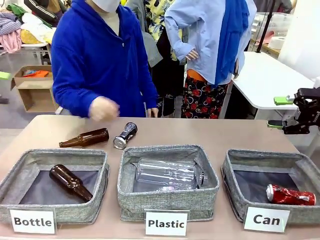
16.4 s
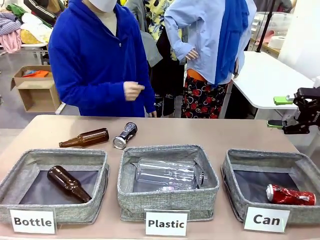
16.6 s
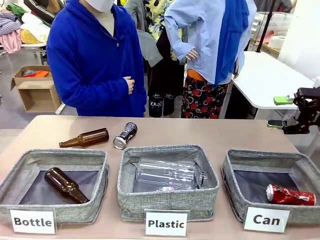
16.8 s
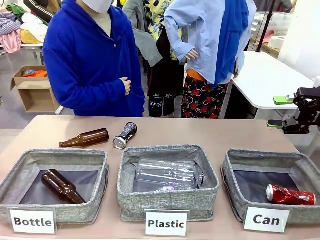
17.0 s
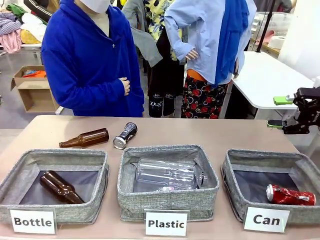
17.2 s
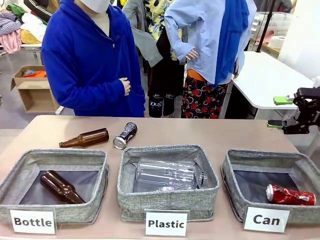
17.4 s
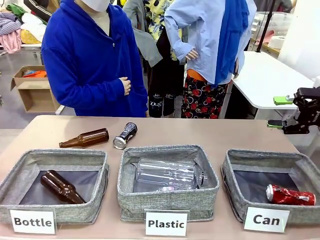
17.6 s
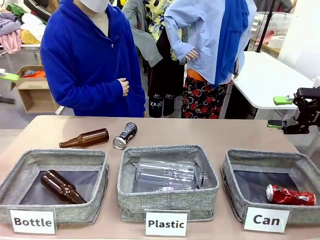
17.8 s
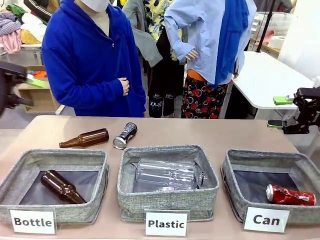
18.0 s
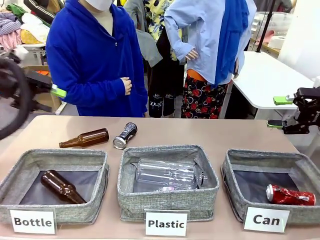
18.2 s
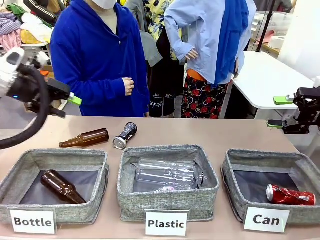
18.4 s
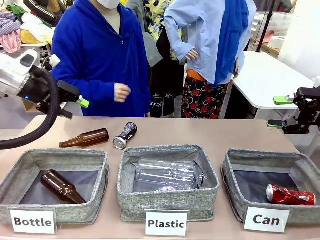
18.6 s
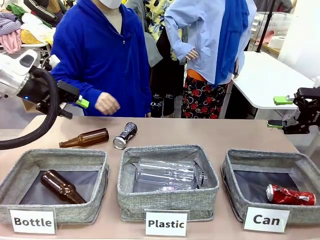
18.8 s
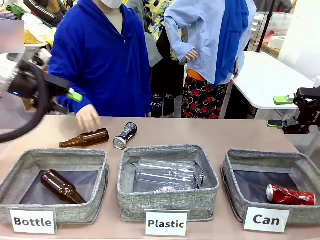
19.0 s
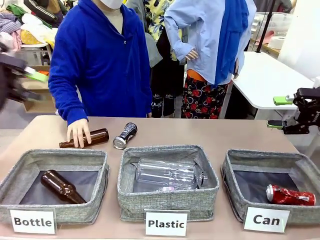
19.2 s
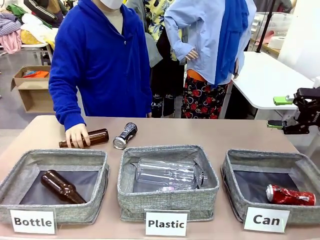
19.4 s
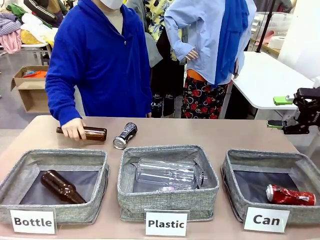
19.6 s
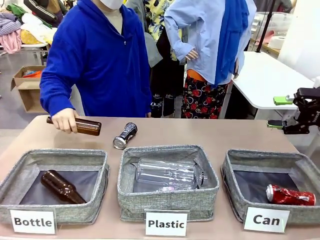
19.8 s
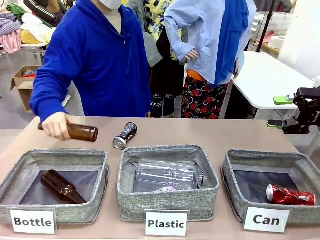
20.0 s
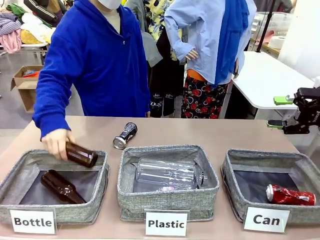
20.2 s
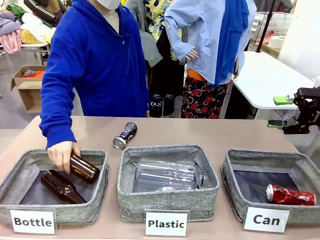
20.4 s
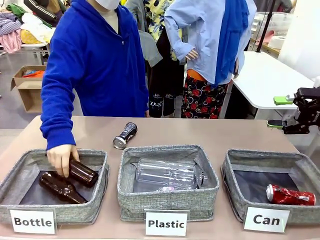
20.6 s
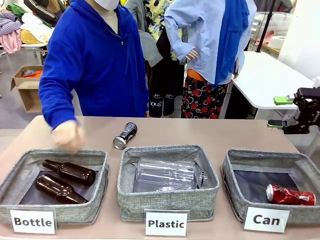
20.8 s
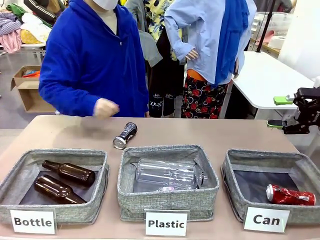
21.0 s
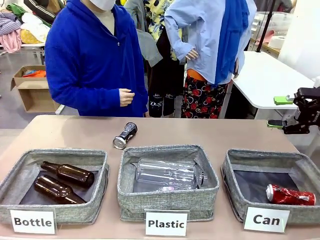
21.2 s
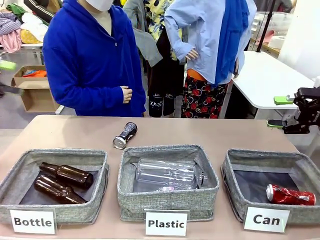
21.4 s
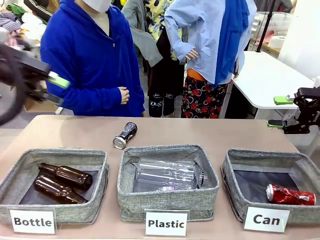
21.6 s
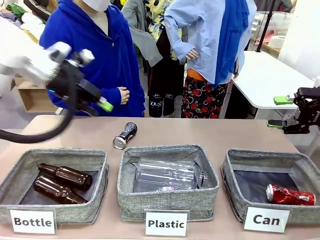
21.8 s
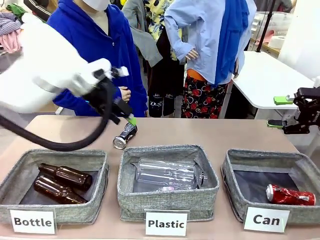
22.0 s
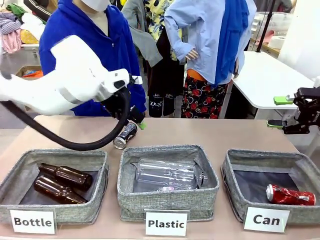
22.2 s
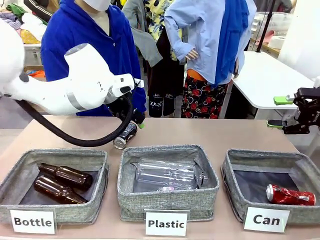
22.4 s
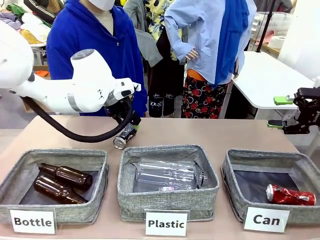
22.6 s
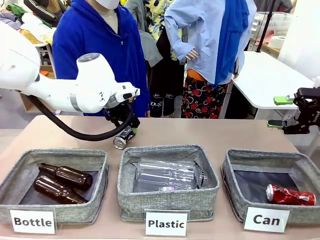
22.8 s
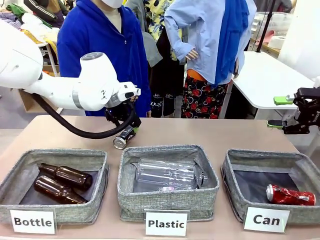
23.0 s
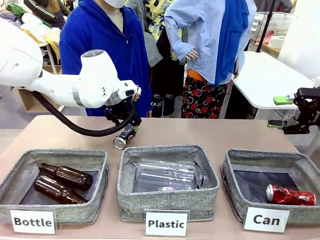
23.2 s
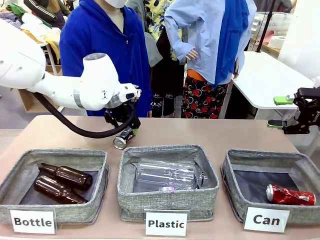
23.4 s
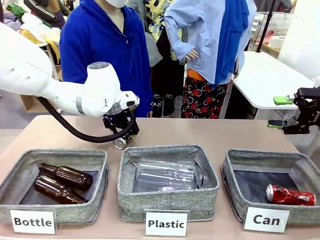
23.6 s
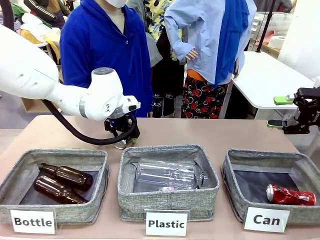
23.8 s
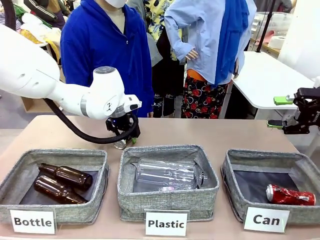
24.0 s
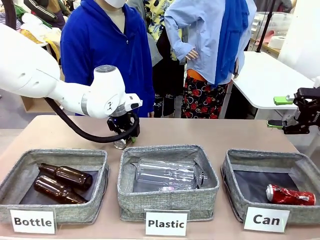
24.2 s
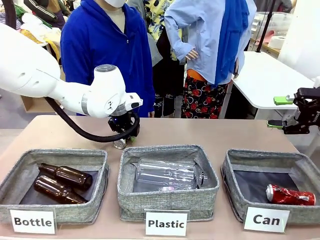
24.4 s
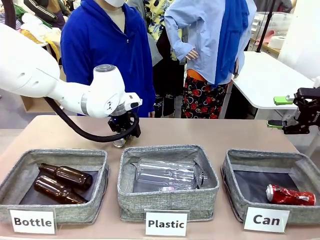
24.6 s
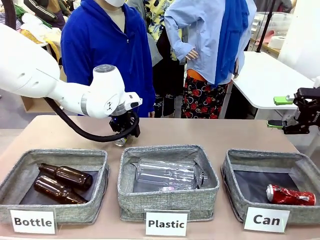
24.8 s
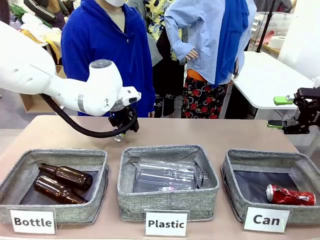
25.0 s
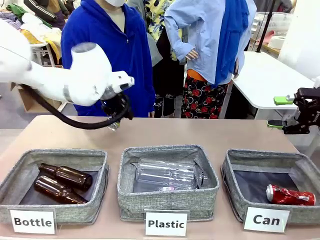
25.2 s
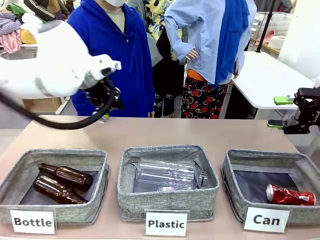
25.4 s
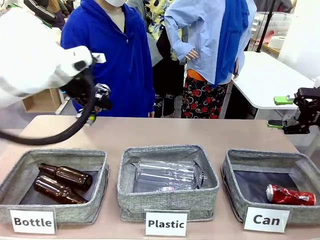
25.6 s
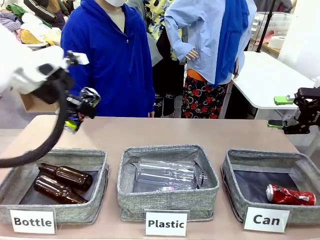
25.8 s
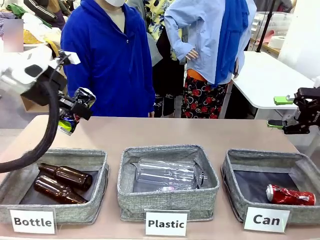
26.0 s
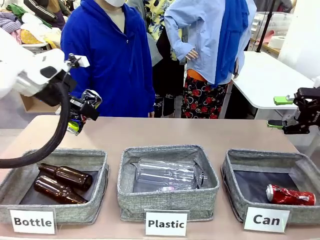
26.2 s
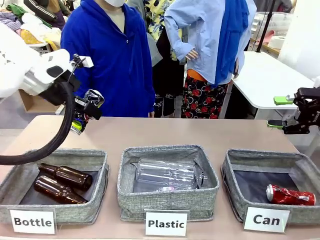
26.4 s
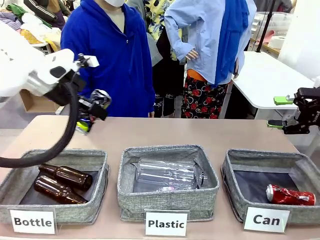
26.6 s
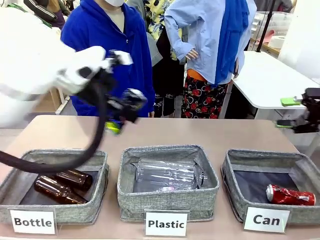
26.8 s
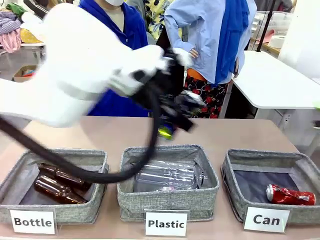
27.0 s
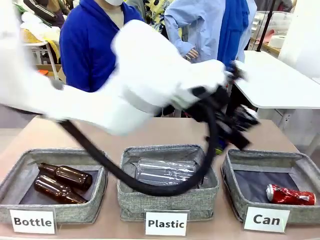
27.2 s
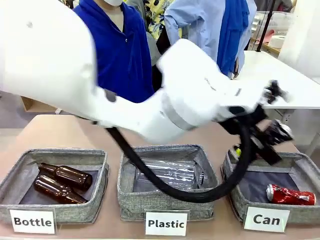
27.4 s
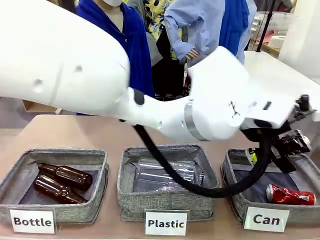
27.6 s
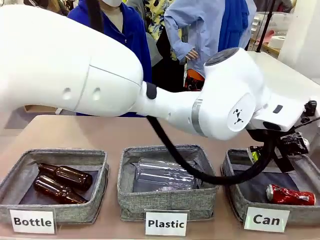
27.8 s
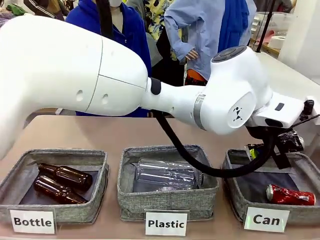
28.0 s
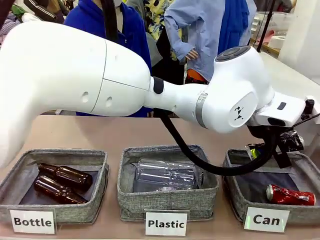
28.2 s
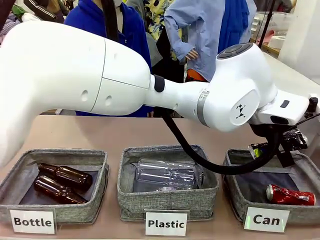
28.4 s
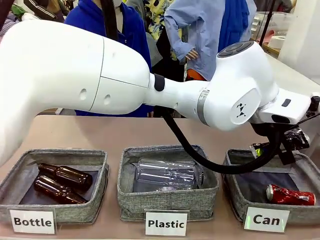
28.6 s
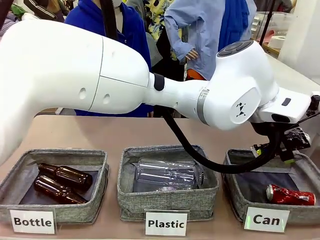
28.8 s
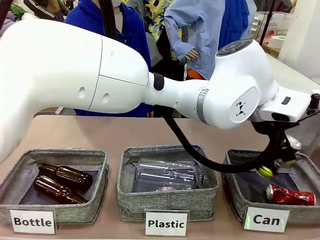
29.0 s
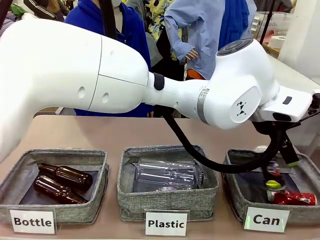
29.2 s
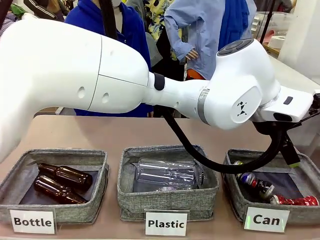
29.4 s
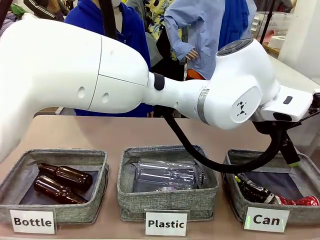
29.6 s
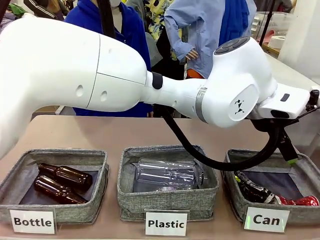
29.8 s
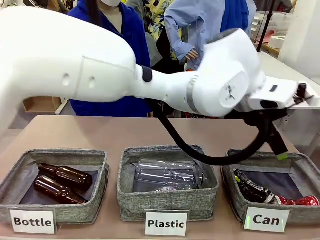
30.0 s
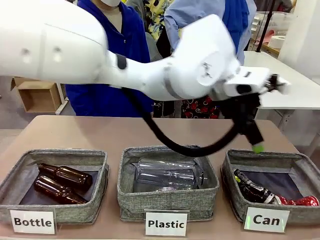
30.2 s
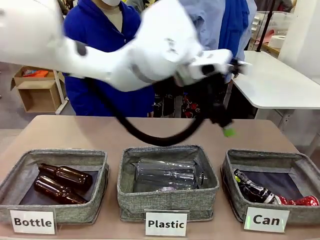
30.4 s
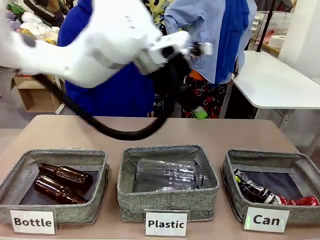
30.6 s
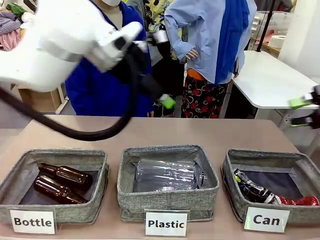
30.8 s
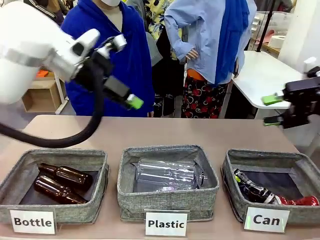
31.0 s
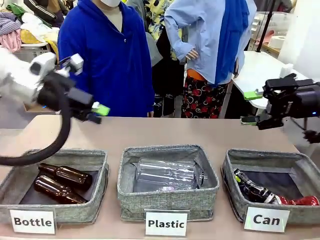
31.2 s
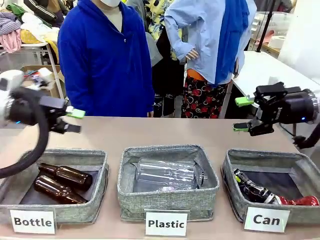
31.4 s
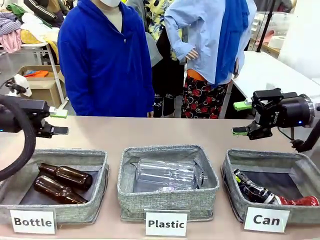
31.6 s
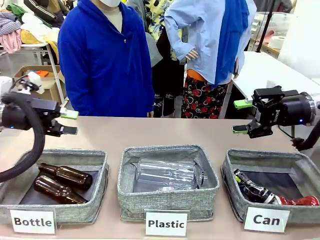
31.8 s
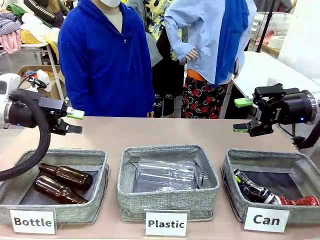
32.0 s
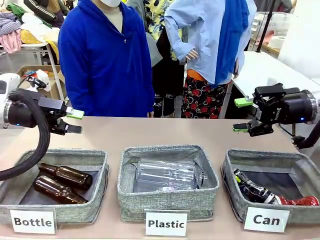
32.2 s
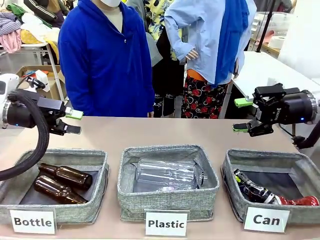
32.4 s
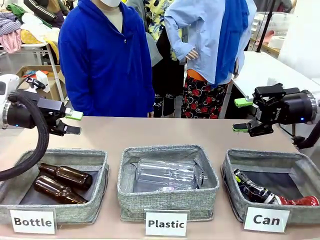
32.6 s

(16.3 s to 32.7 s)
Task: Sort the can waste into the basket.
Robot: Pick up the can waste from the table and place it in the right Fabric basket.
Person: The human picks up one piece of trash that is not a can and places the trash into the appropriate organizing basket.

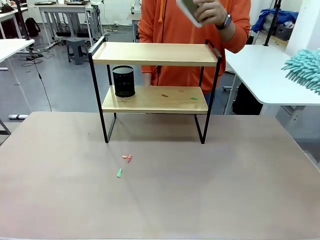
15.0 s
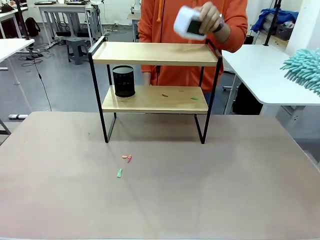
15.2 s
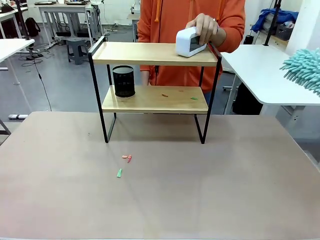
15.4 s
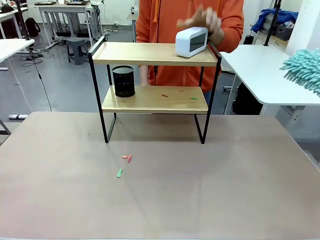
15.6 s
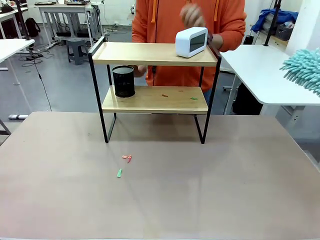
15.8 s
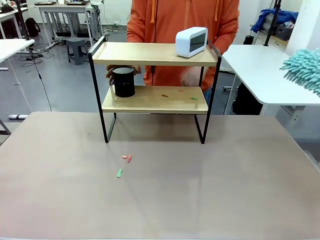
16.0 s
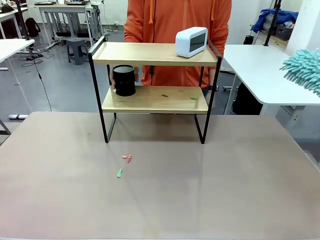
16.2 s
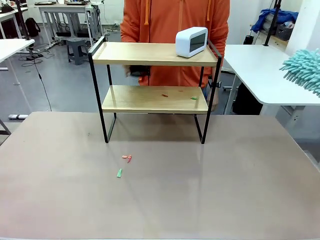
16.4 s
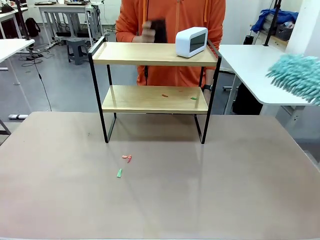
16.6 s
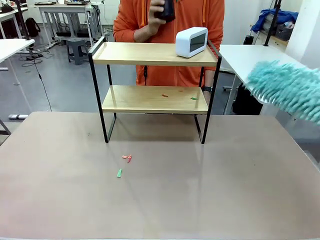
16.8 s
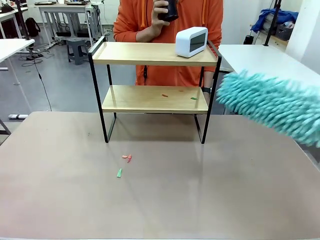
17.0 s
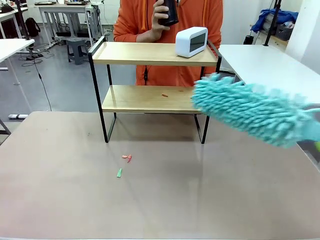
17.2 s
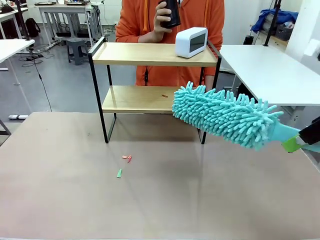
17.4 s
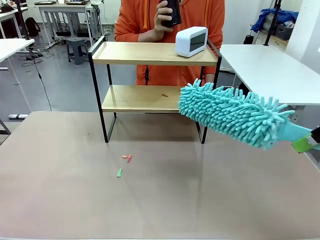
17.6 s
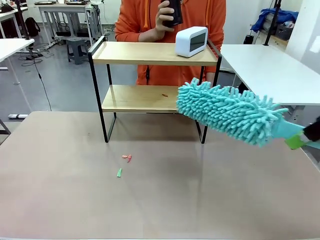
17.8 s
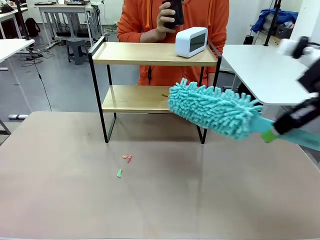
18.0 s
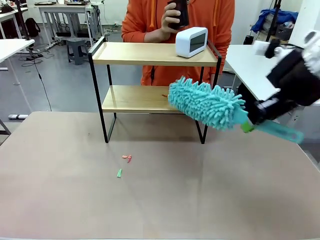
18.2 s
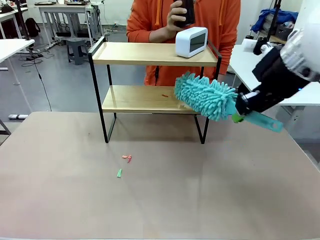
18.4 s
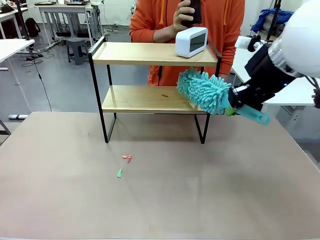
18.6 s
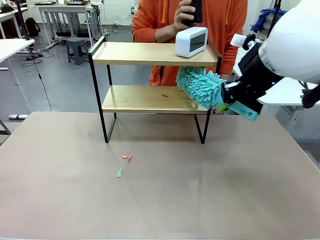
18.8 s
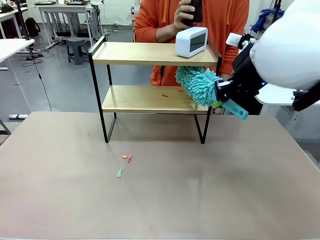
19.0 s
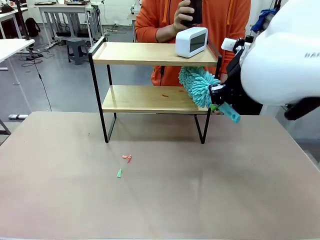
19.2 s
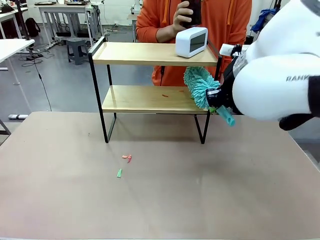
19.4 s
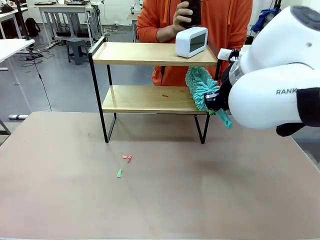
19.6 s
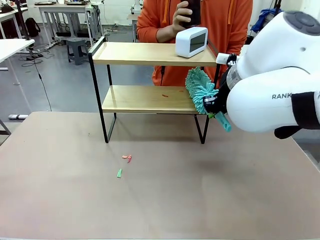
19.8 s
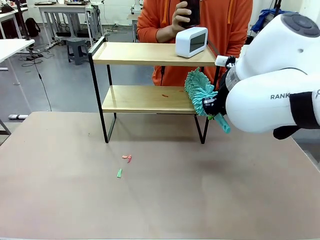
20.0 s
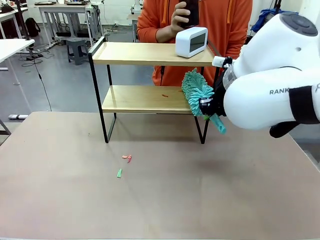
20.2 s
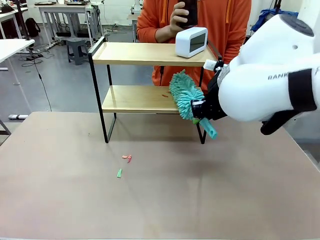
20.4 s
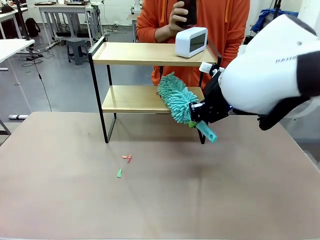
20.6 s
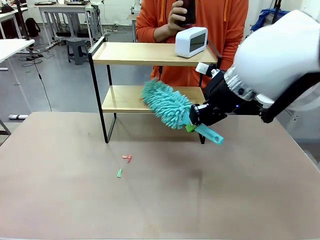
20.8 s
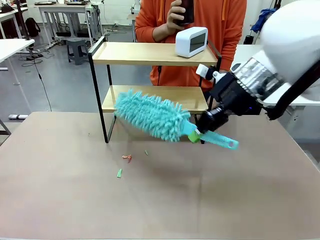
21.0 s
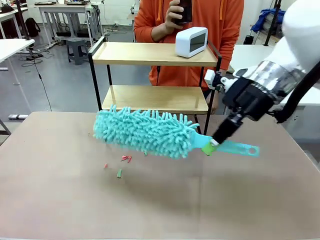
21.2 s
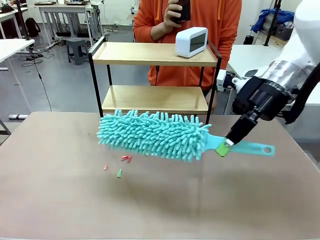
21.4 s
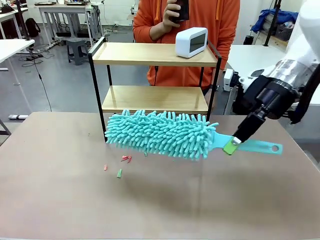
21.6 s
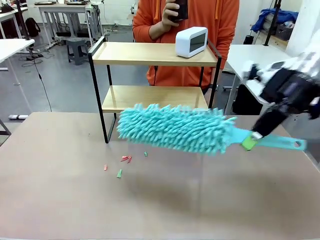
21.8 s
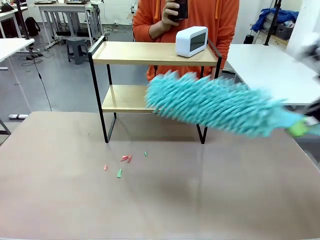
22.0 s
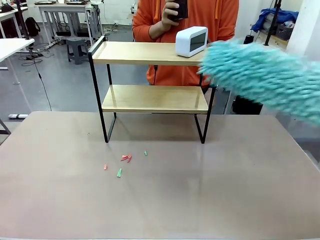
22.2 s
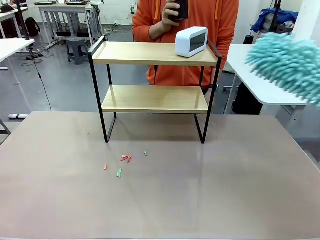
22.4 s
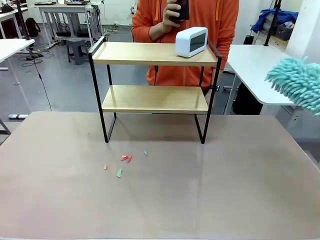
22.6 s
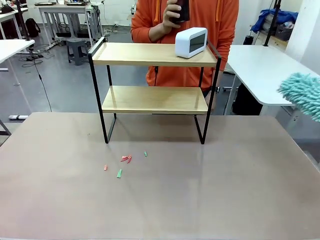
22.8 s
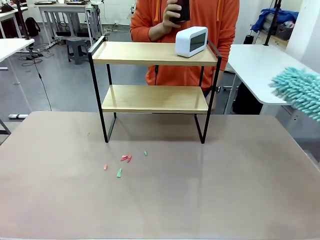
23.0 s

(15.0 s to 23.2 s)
Task: Clean the shelf.
Robot: Clean the remaining tier of the Shelf with the Duster once objects are removed.
